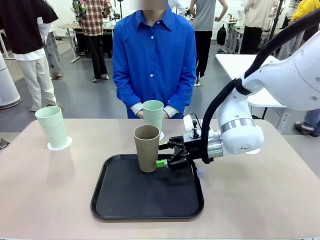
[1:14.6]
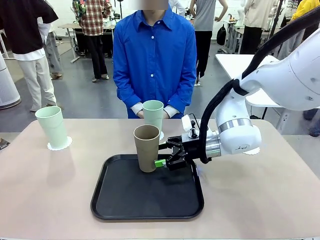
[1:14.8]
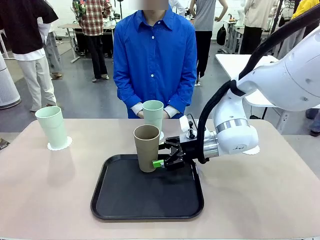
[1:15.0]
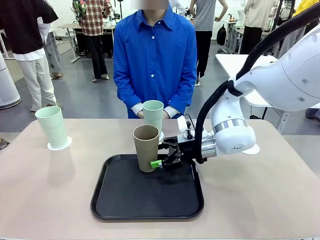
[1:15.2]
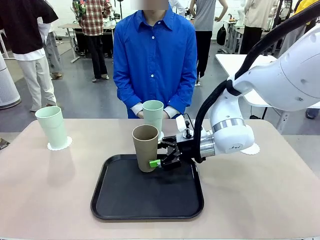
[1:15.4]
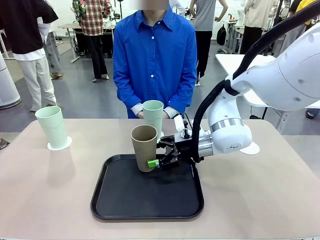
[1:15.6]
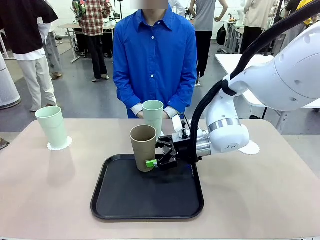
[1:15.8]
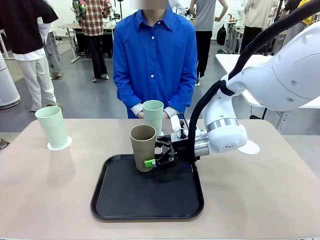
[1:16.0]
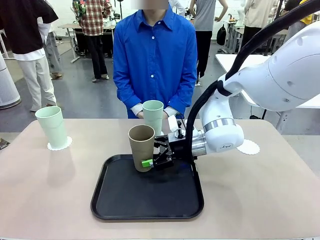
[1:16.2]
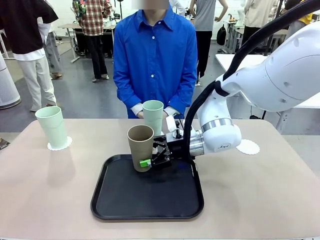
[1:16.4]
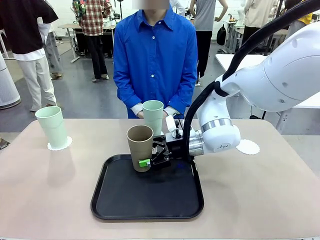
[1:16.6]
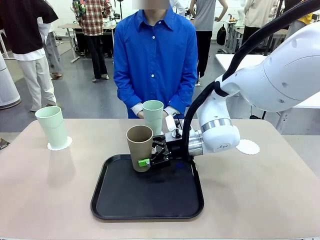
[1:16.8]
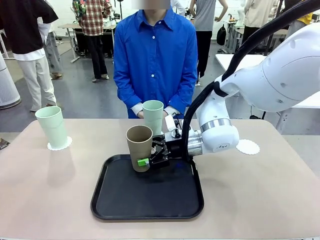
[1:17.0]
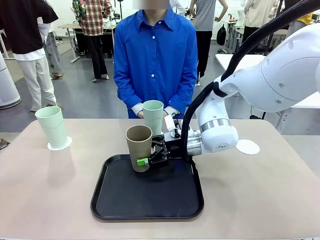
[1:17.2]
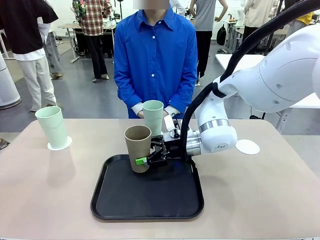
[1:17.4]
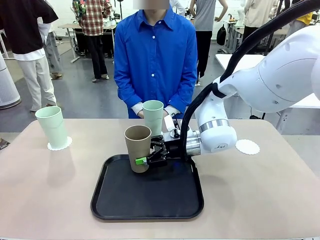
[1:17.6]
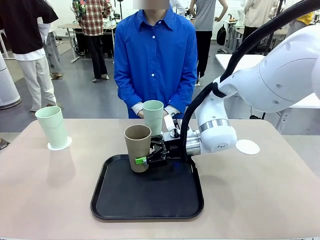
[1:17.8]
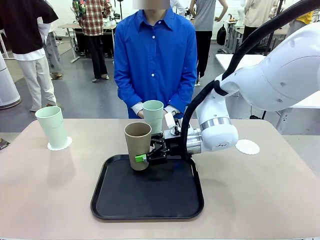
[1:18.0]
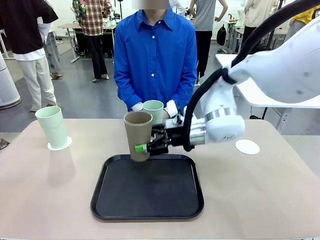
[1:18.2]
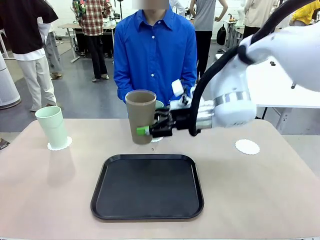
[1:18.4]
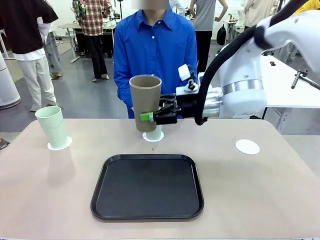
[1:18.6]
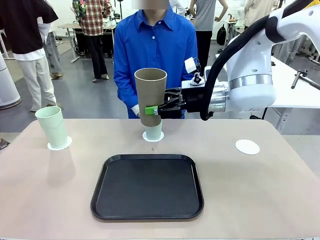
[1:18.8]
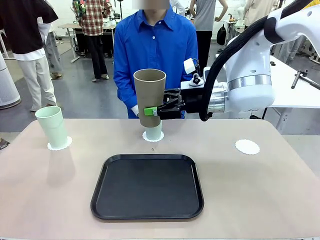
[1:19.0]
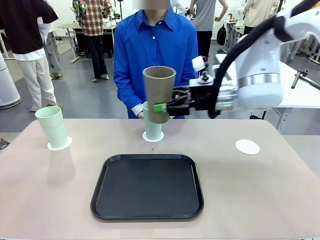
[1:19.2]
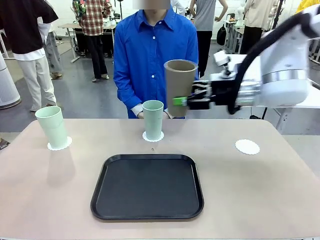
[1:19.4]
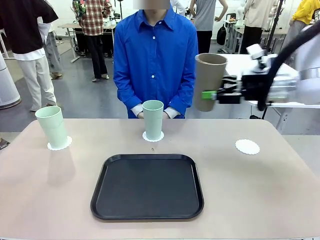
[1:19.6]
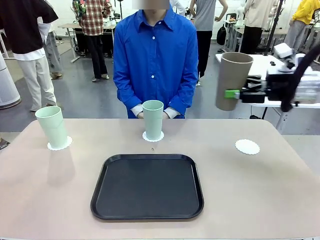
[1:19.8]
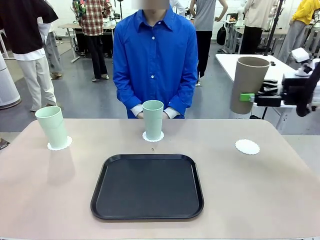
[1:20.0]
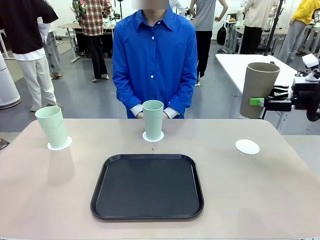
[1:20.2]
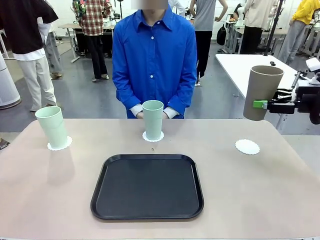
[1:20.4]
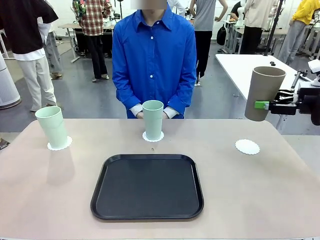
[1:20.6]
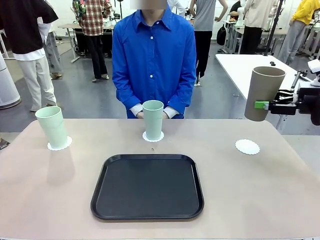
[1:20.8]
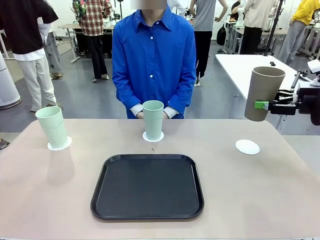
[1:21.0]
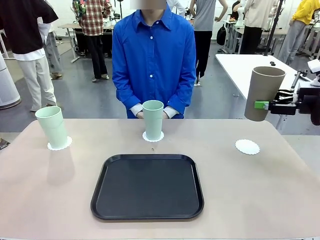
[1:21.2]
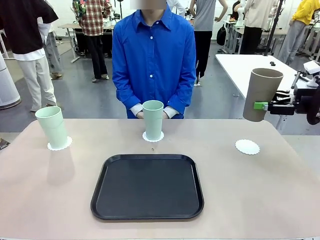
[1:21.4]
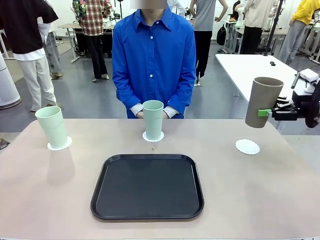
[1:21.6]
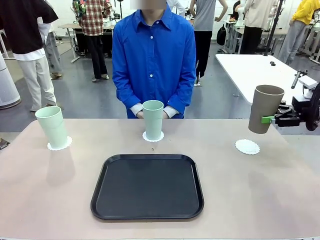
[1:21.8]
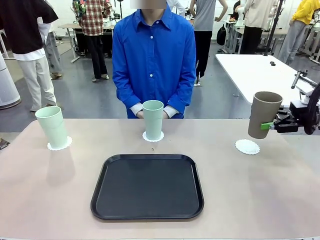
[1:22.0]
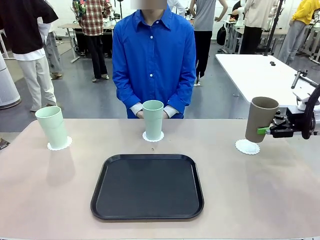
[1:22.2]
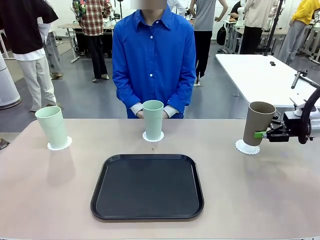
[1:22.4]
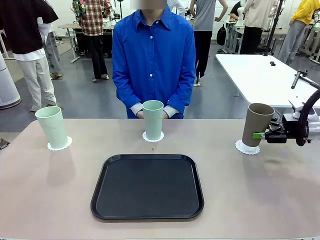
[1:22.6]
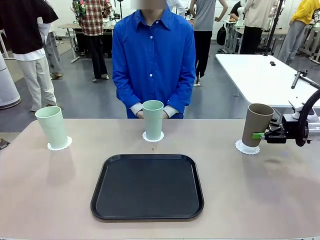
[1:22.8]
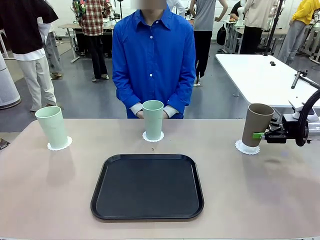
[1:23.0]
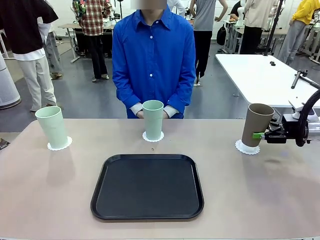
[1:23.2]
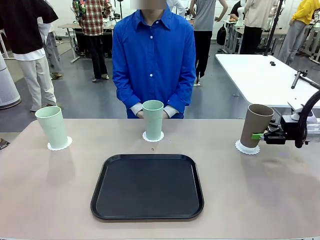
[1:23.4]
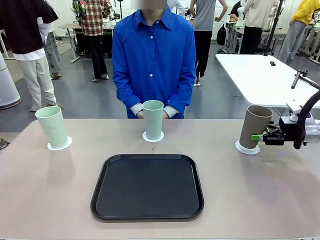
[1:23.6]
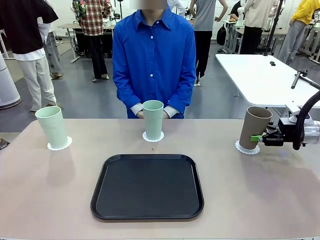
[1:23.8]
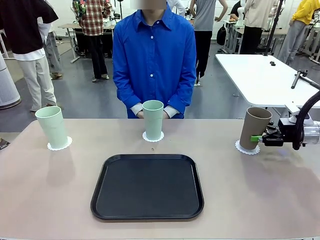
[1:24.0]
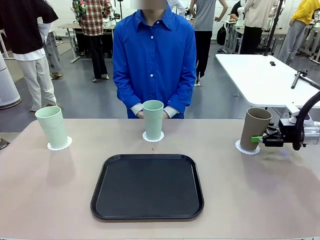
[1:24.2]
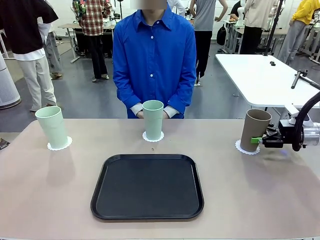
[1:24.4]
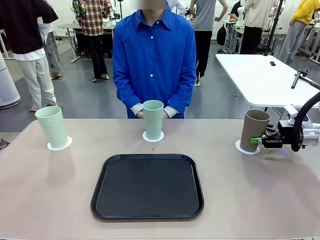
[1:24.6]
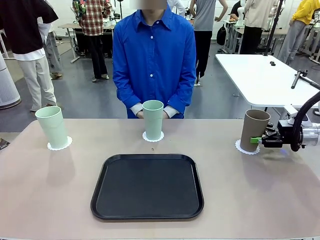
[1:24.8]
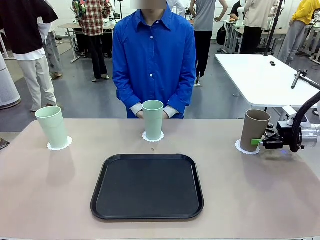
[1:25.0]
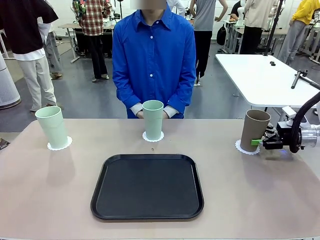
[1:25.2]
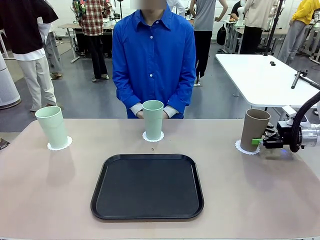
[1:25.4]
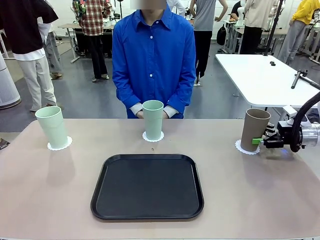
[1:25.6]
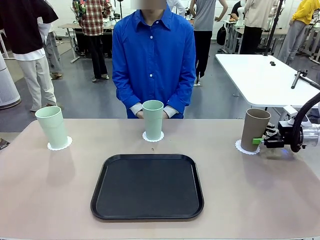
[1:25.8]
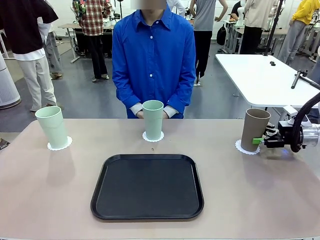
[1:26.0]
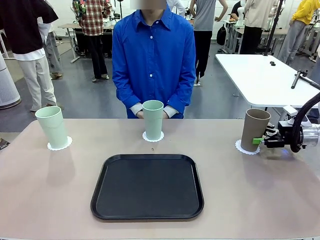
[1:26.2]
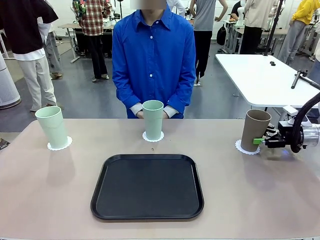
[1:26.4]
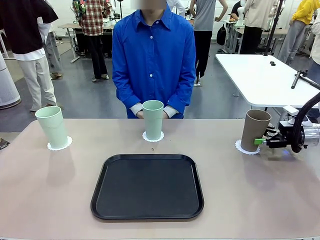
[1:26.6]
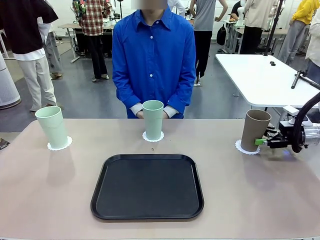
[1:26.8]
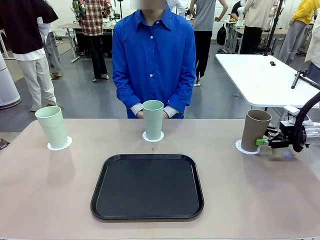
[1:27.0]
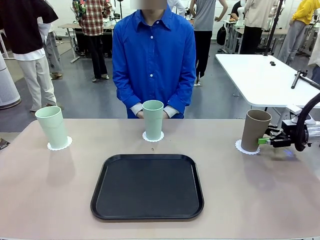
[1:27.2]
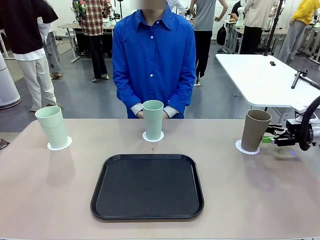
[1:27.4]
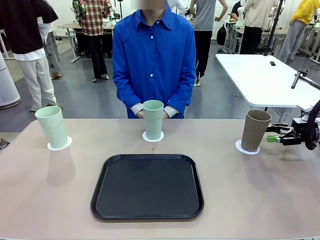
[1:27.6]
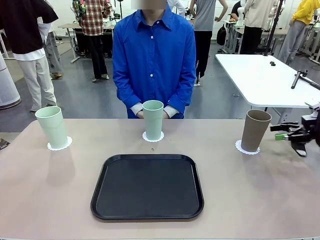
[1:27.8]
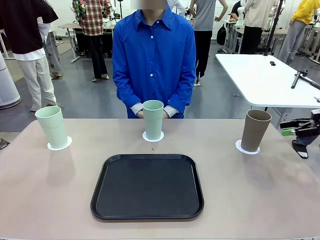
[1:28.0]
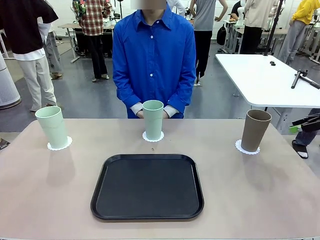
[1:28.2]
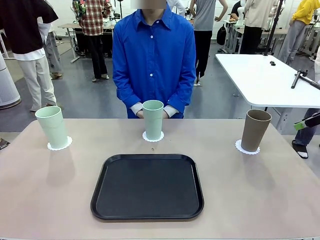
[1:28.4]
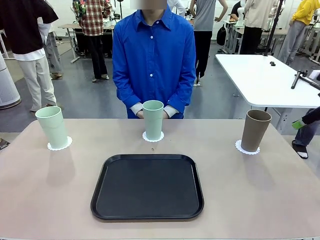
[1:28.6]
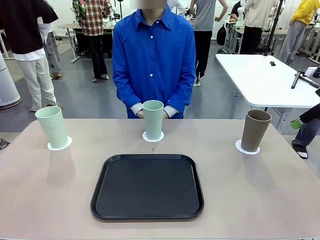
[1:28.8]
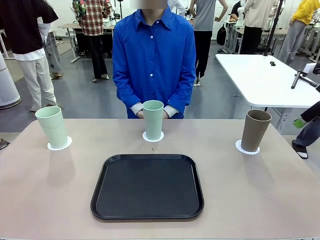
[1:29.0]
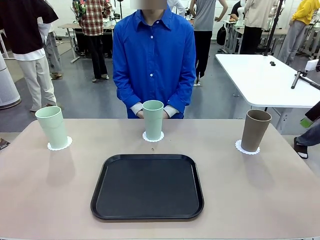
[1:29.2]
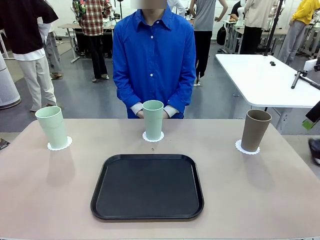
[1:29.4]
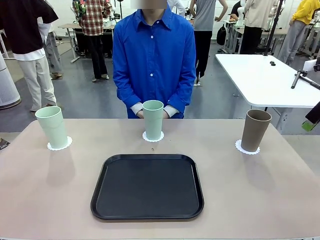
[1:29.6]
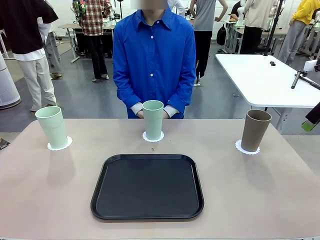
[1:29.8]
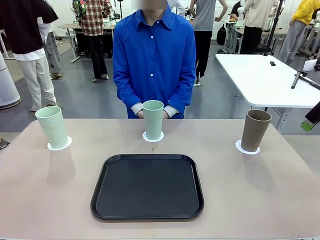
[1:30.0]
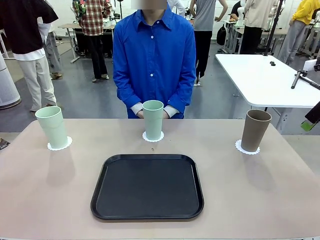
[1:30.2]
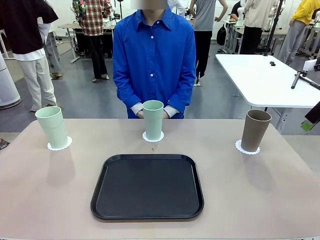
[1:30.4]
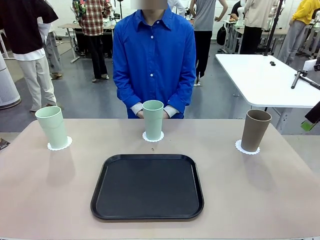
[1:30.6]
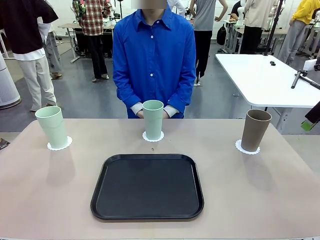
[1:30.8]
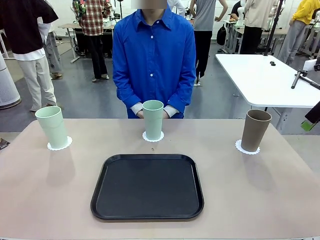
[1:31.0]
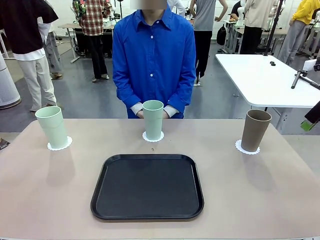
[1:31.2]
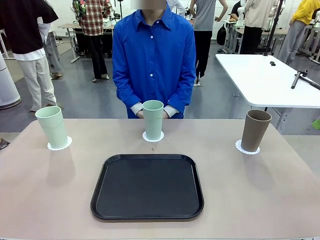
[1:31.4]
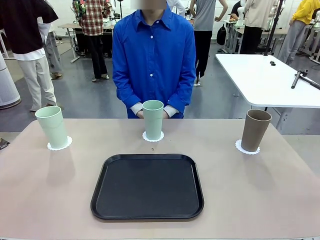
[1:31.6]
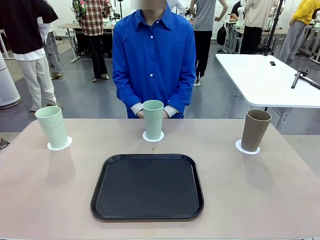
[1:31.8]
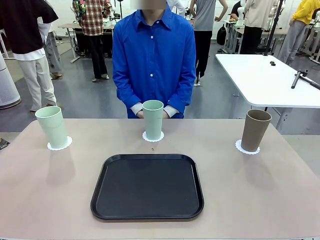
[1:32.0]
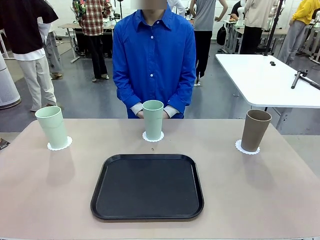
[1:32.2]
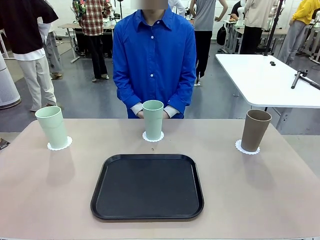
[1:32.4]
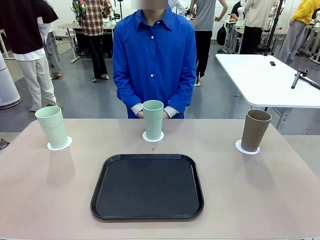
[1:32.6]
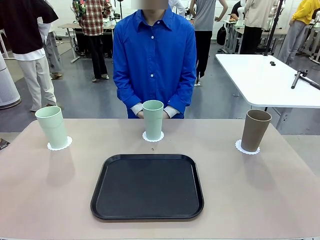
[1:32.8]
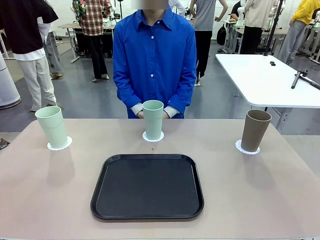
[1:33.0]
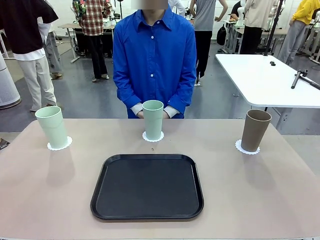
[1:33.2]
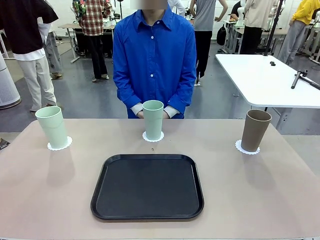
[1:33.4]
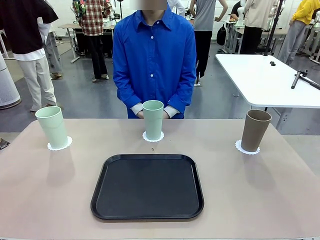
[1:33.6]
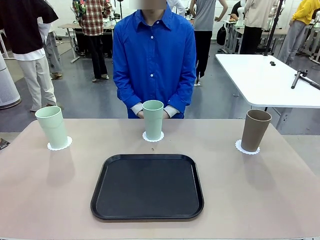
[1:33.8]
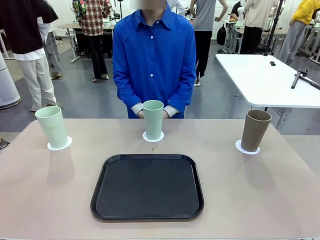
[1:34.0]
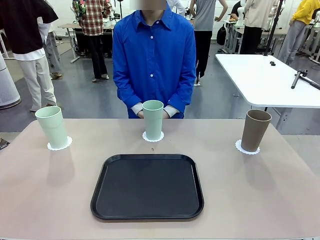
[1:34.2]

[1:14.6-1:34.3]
Task: Place coasters on the table and set cups on them.
Robot: Take one Reusable plastic cup from the Flat Tray and place it on a coaster set by the human.
